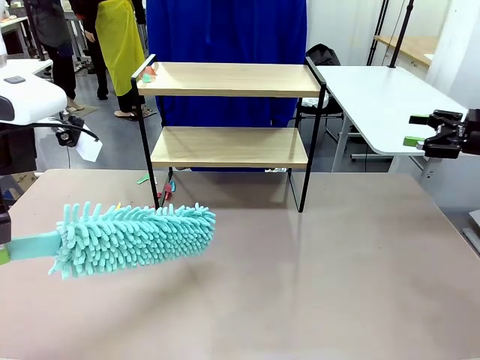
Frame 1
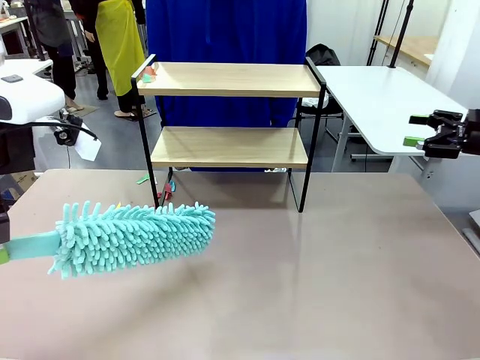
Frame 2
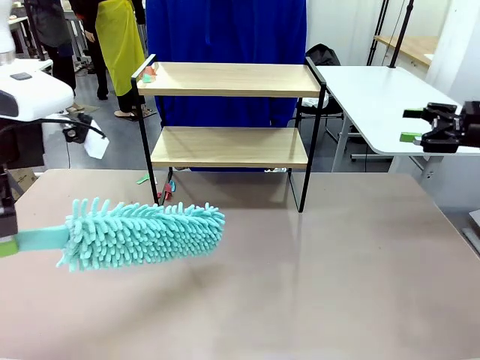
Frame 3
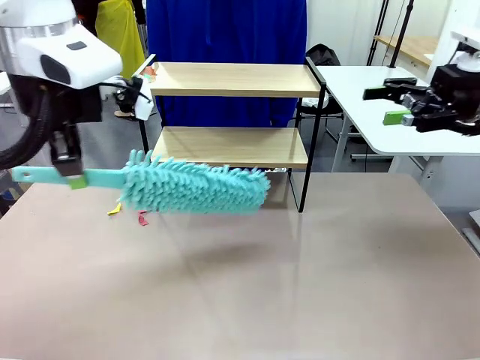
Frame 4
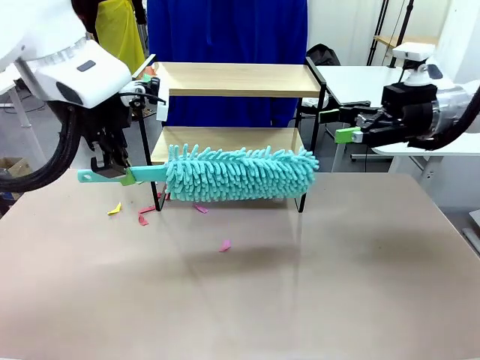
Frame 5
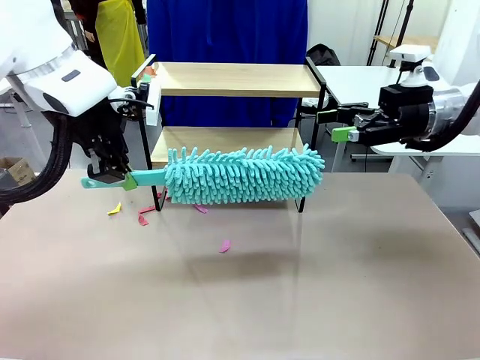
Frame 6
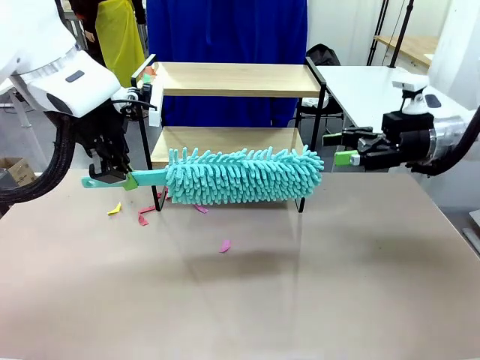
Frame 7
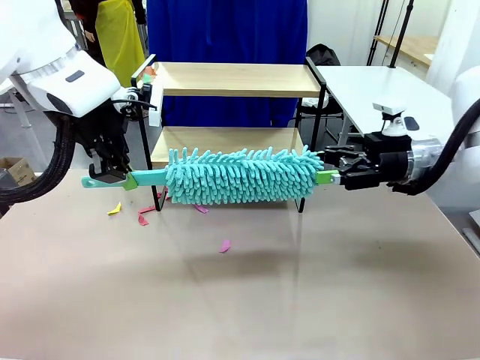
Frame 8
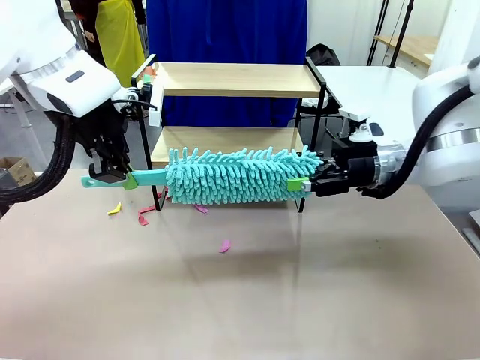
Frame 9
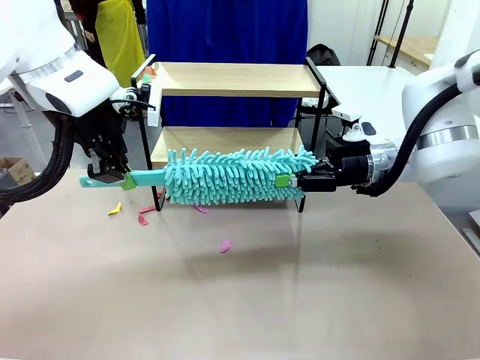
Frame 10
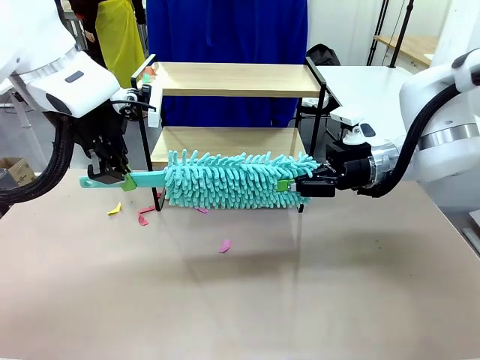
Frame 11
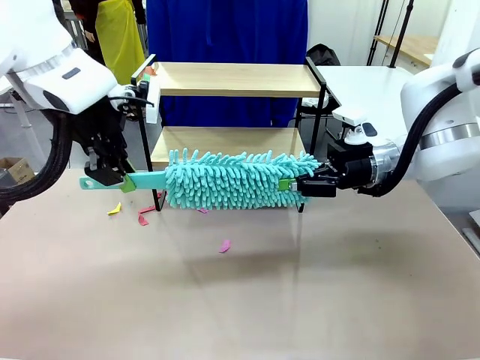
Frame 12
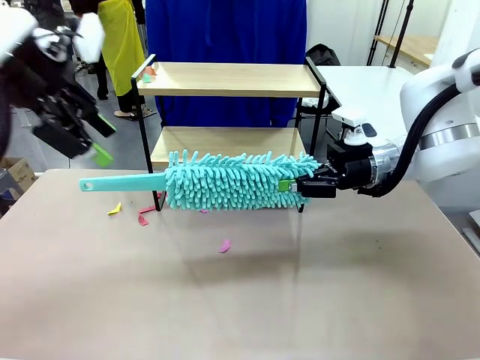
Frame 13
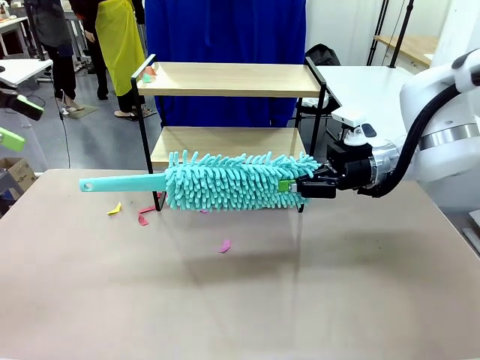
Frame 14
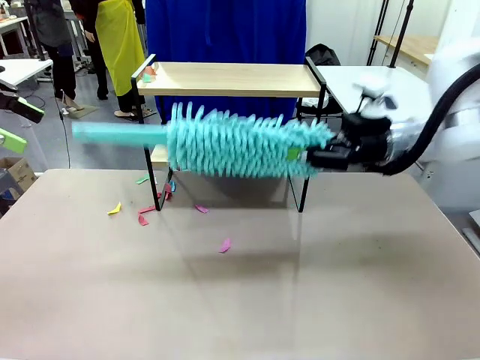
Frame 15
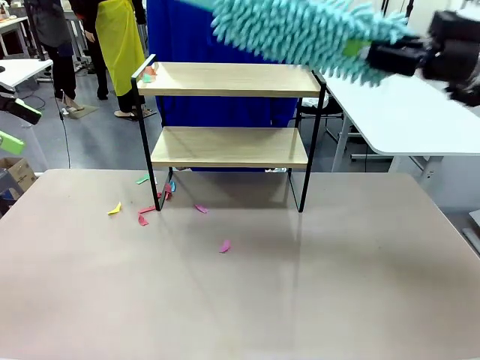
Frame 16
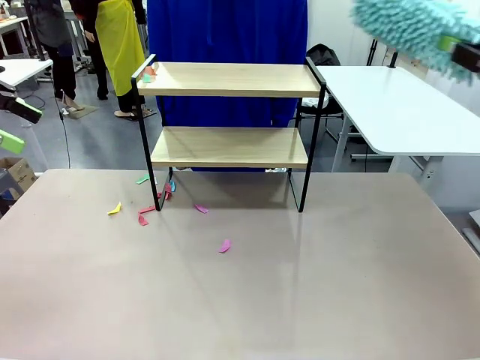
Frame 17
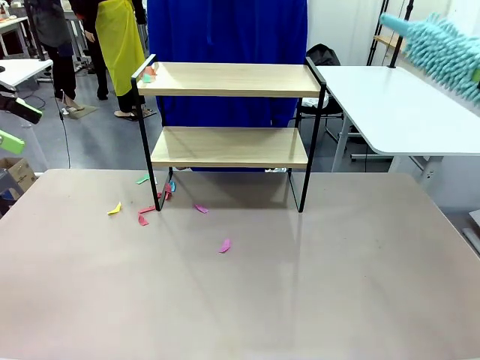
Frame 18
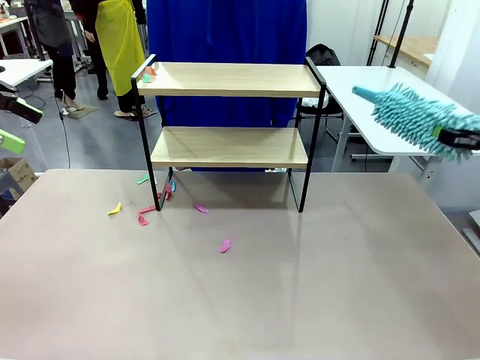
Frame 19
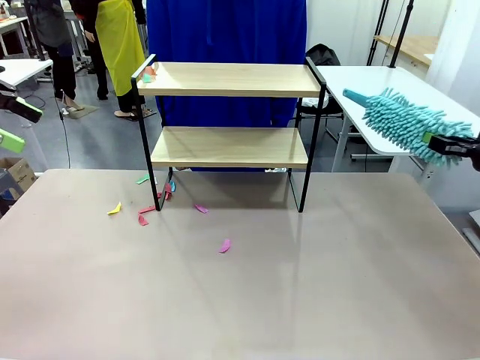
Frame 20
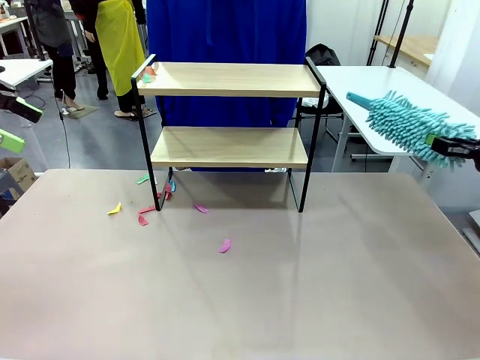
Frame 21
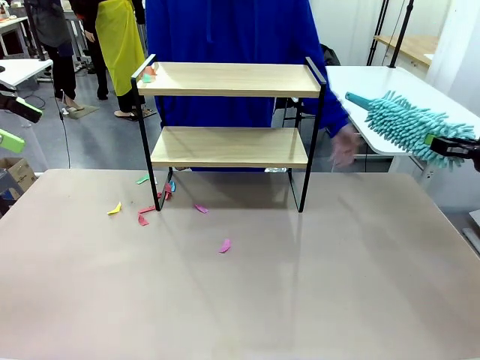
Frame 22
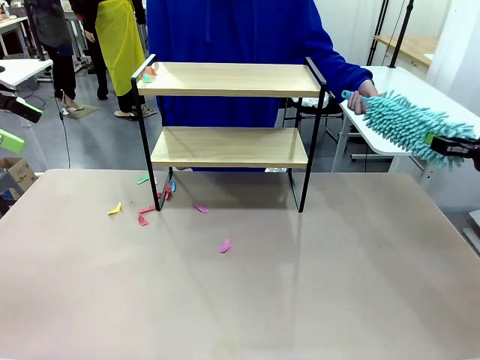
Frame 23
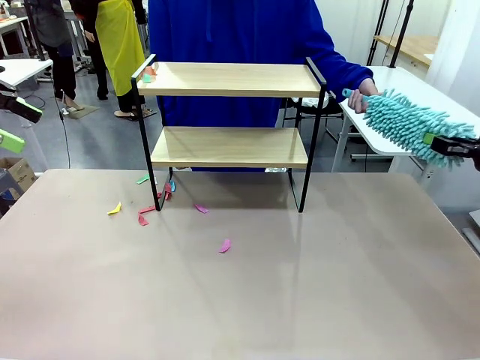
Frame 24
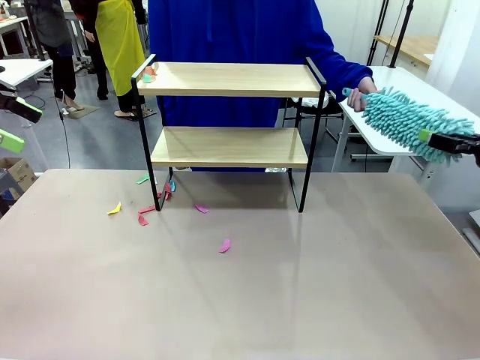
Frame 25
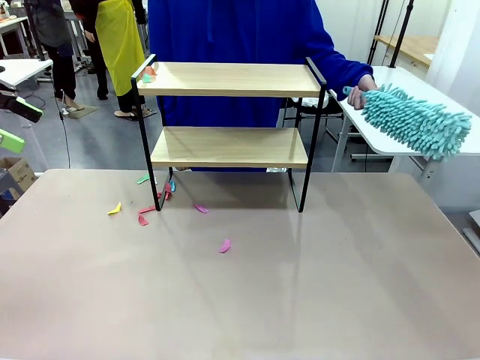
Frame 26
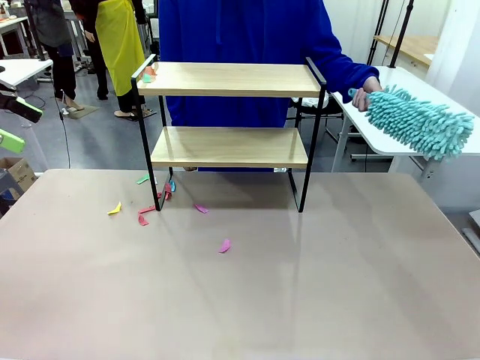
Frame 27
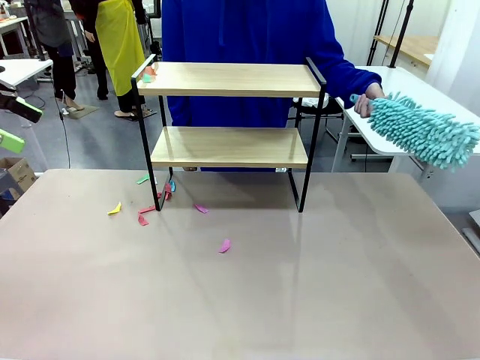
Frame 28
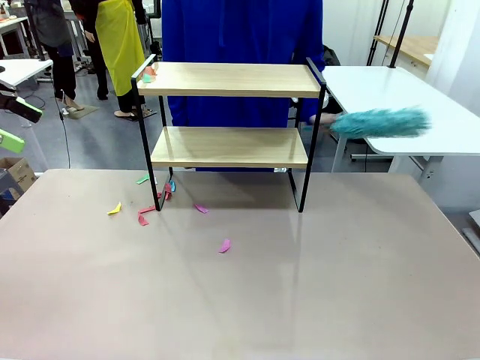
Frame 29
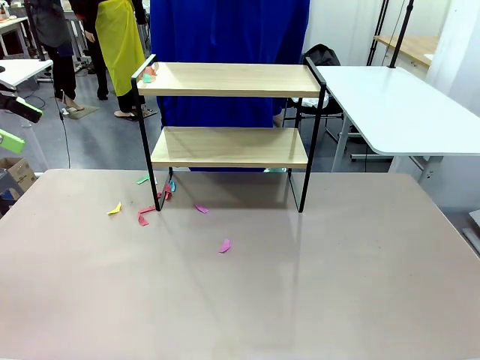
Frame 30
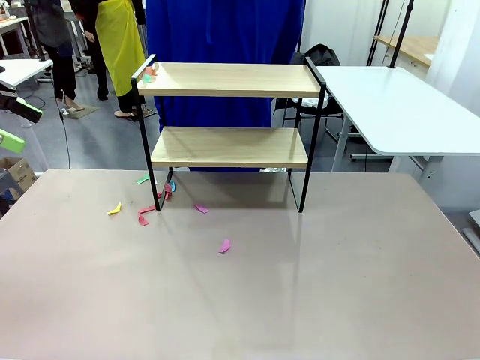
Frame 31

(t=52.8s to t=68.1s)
Task: Clean the shelf.
Robot: Hand the Duster back to the human.
Person: Receive the Duster from the robot.

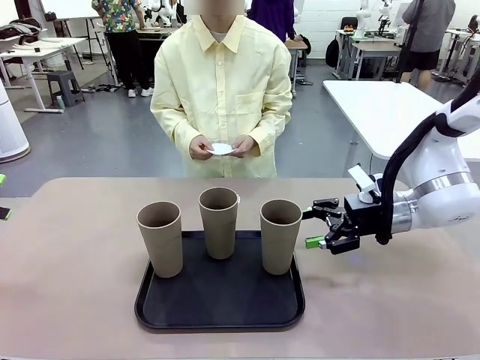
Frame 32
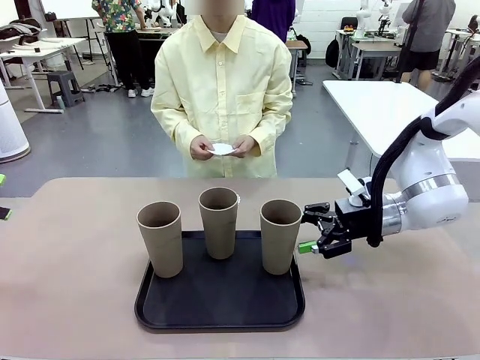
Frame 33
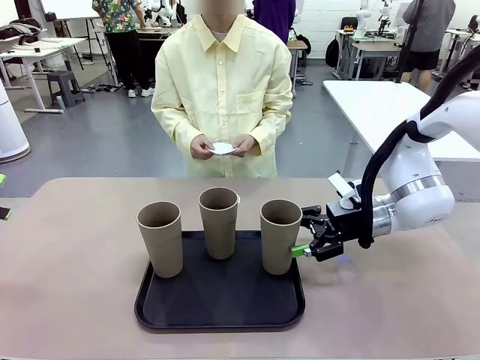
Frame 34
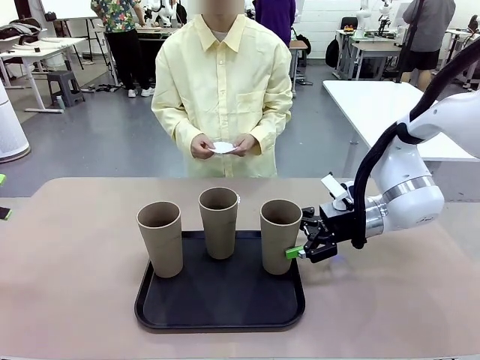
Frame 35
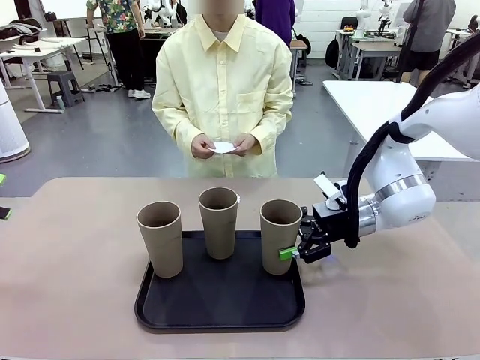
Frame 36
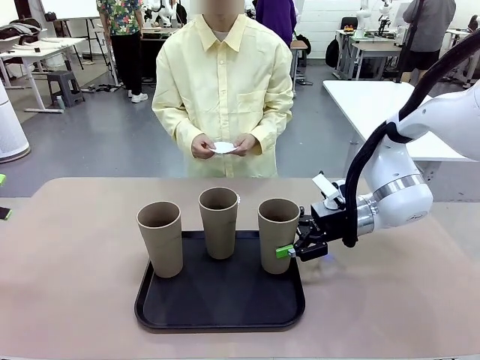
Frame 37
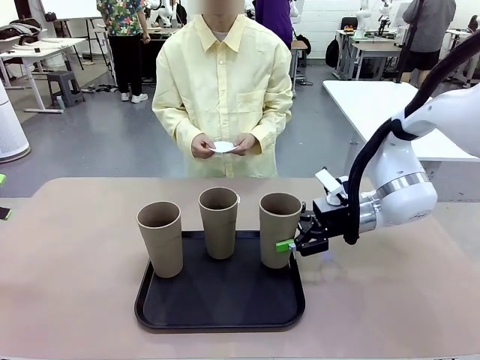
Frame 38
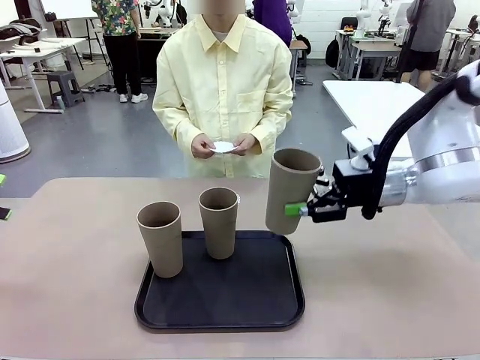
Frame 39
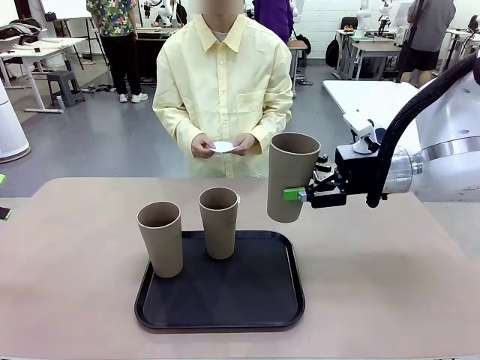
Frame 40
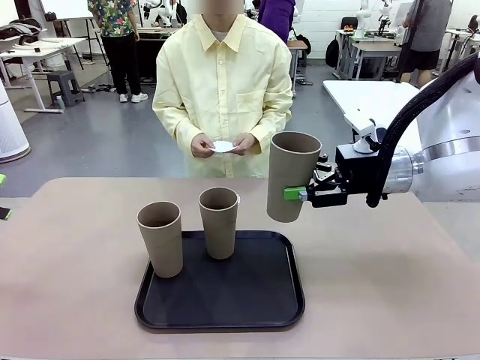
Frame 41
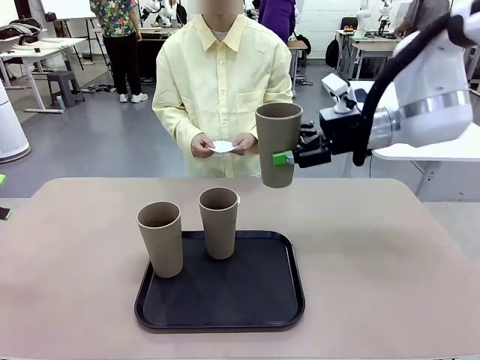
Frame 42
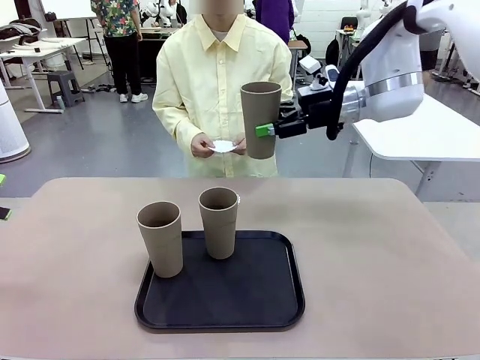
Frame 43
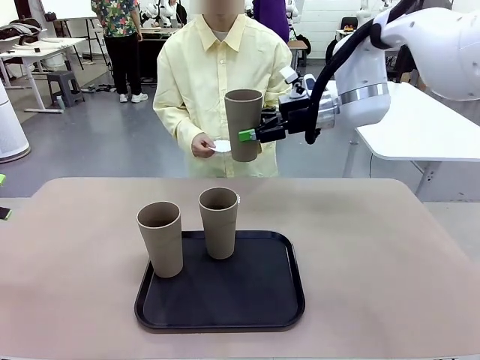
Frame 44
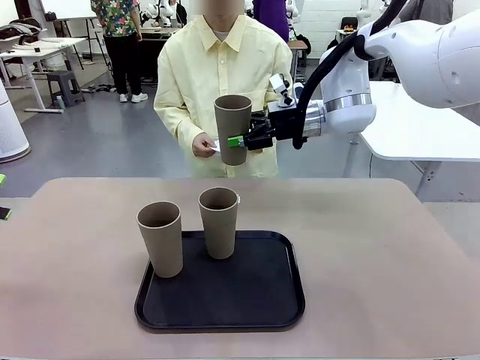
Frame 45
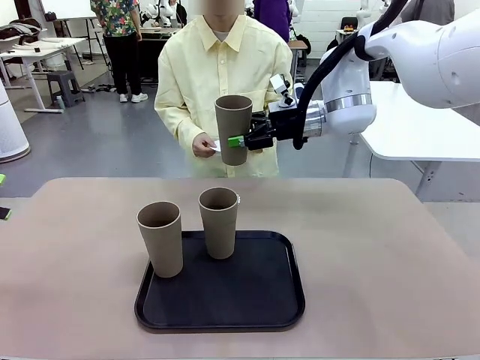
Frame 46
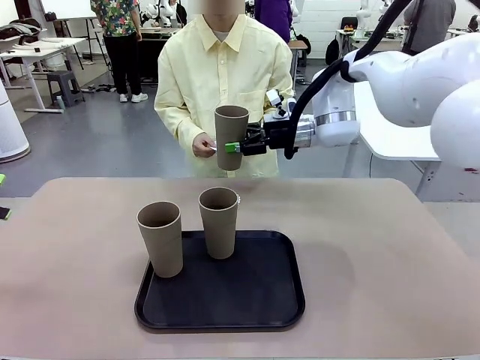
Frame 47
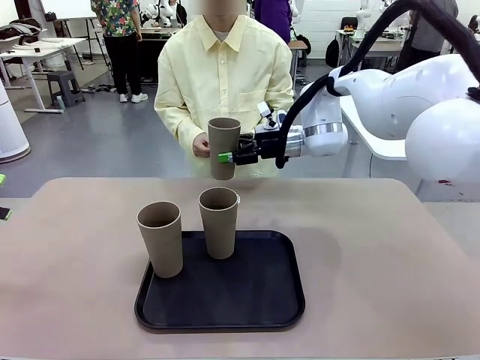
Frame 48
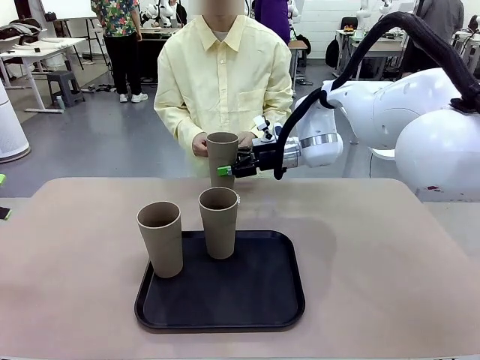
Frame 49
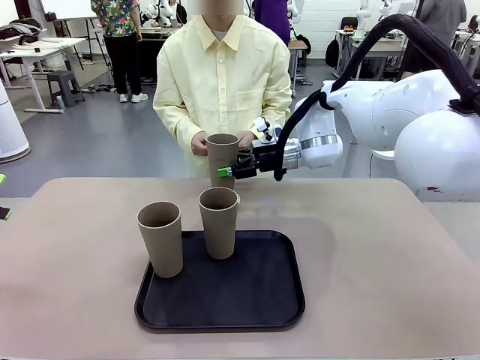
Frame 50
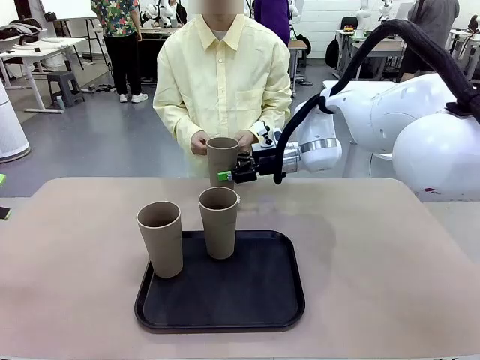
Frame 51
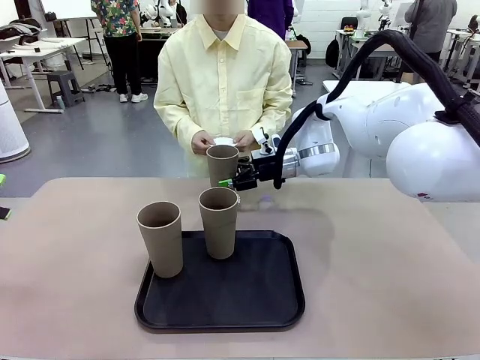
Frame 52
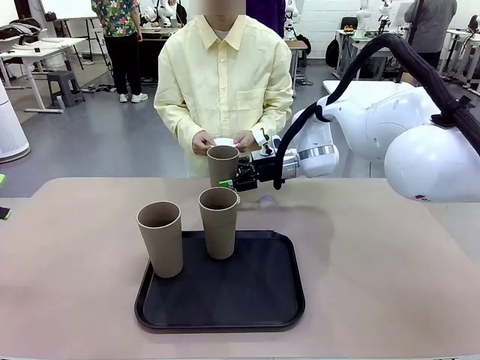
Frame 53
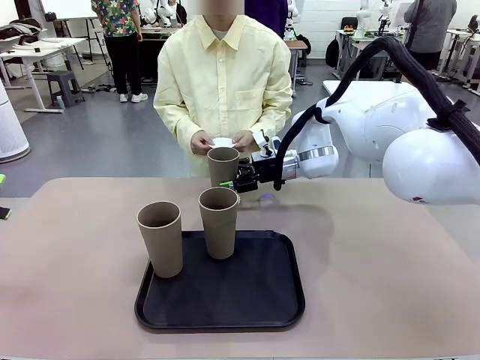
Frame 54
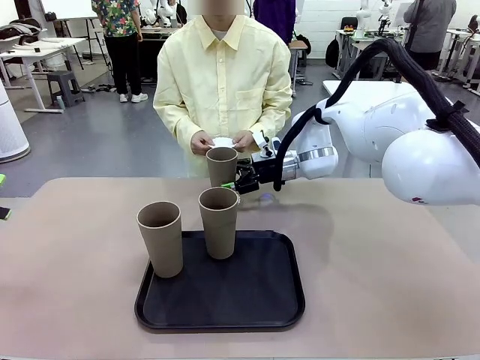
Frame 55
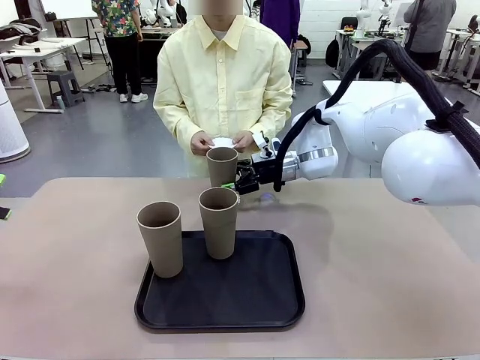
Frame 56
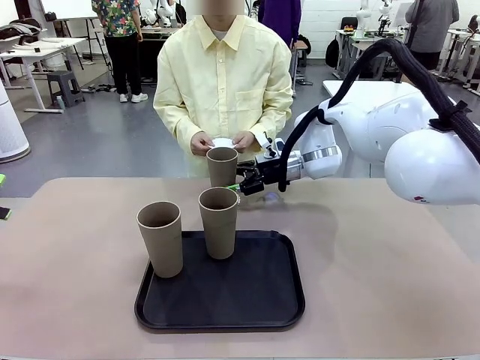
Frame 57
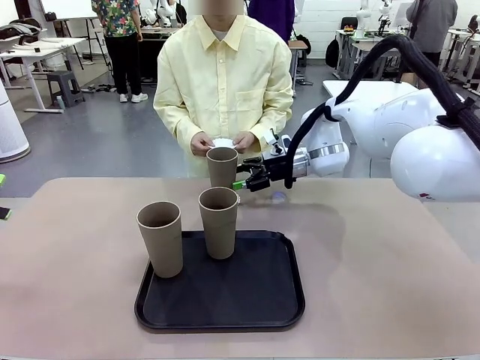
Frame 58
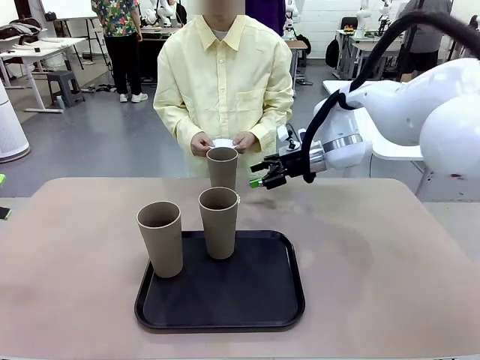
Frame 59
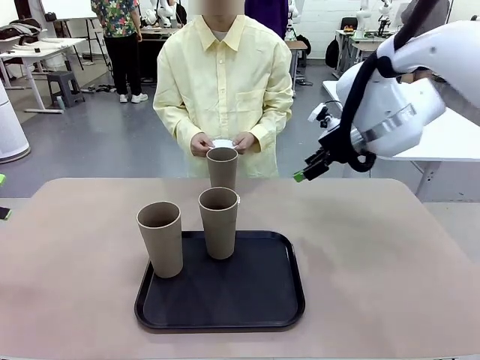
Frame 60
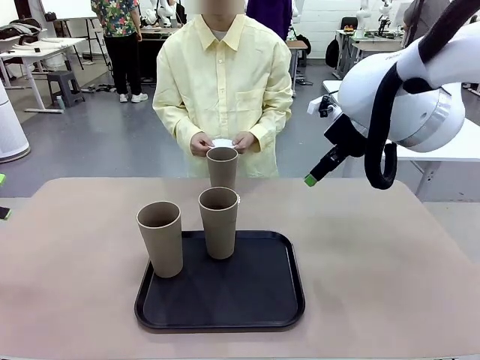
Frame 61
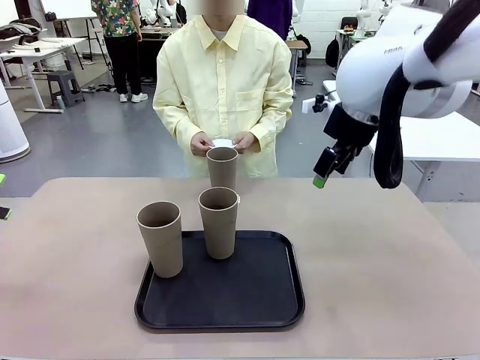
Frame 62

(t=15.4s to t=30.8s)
Task: Place coasters on the table and set cups on them.
Robot: Pick up one Reusable plastic cup and place it on a coaster set by the human.
Person: Place one coaster in one of the two areas excluding the previously selected area.
